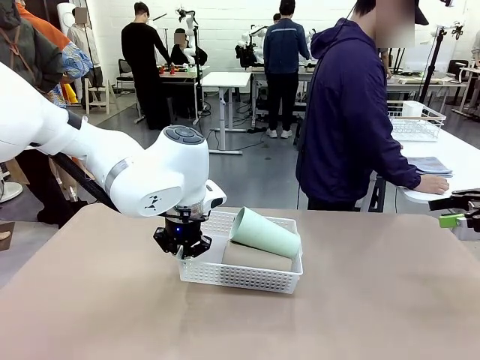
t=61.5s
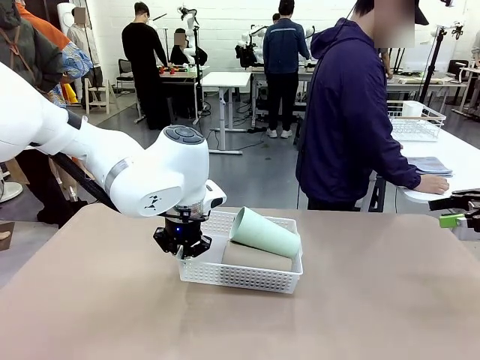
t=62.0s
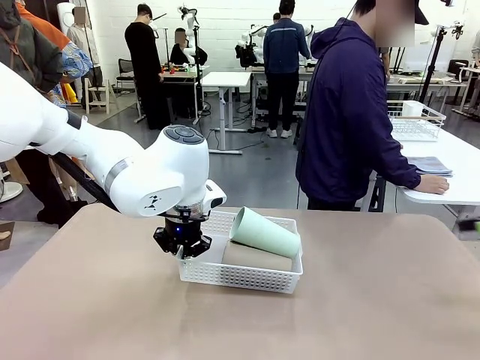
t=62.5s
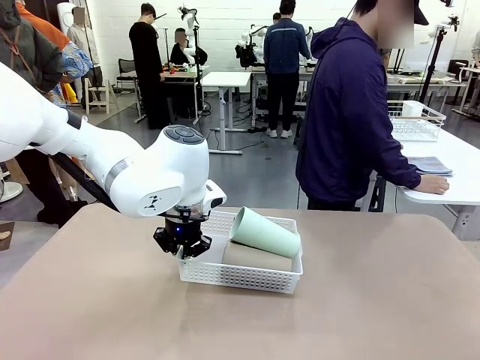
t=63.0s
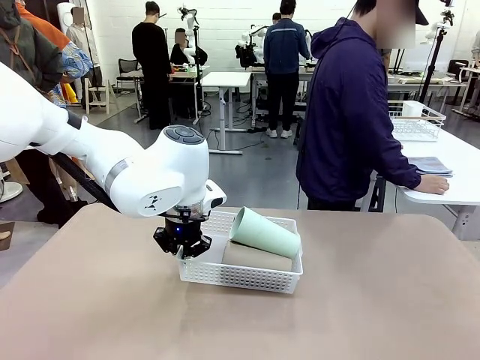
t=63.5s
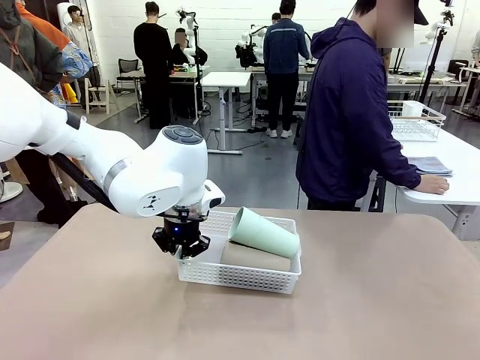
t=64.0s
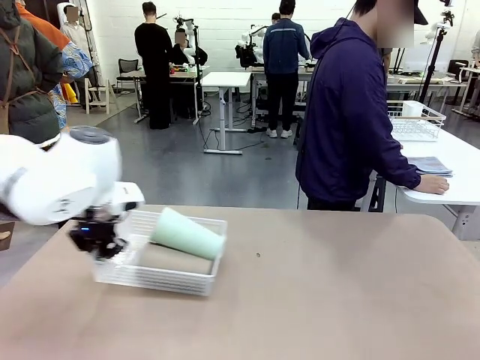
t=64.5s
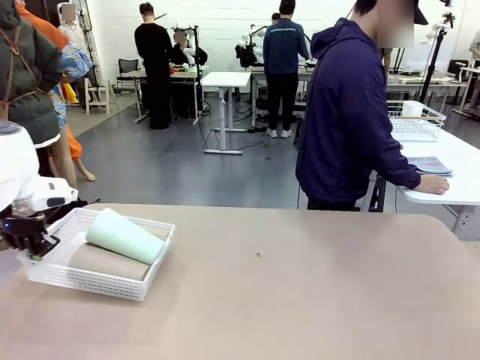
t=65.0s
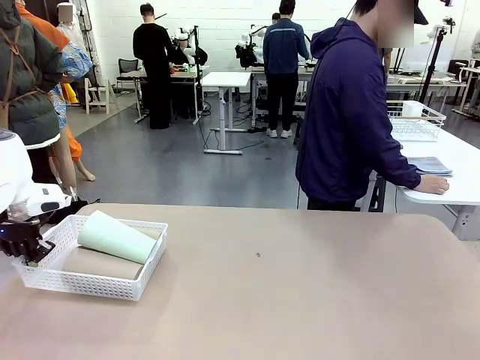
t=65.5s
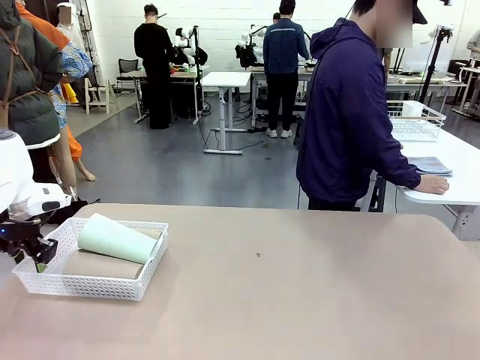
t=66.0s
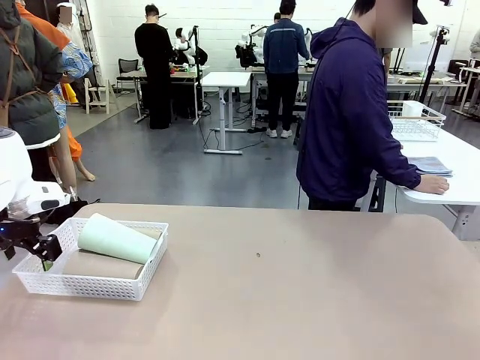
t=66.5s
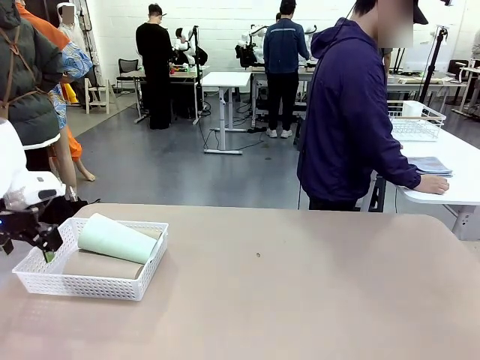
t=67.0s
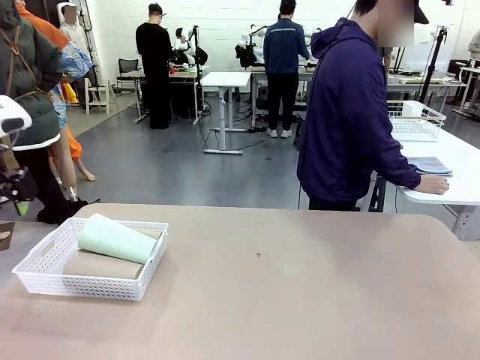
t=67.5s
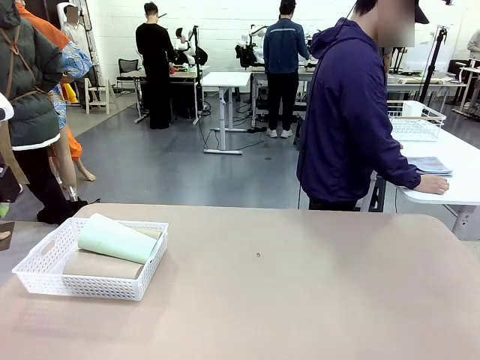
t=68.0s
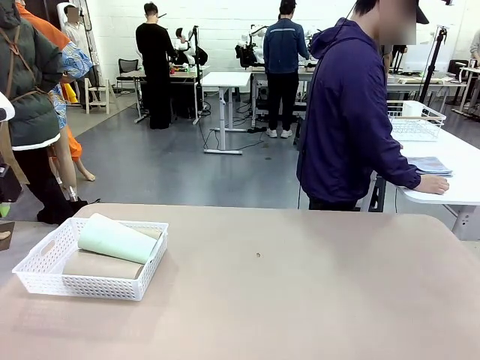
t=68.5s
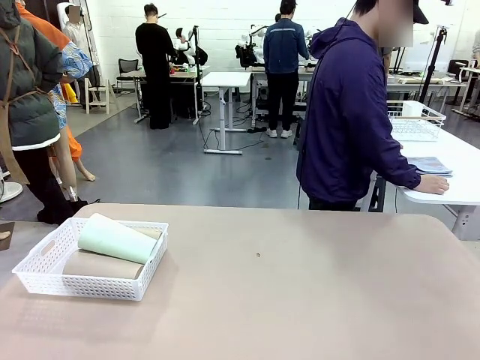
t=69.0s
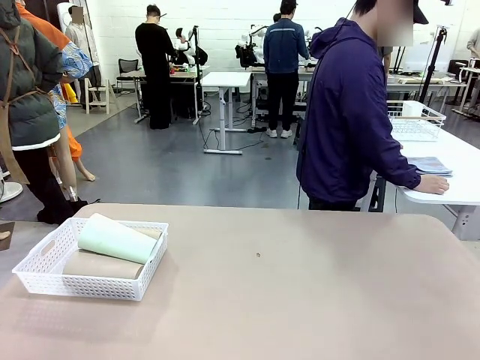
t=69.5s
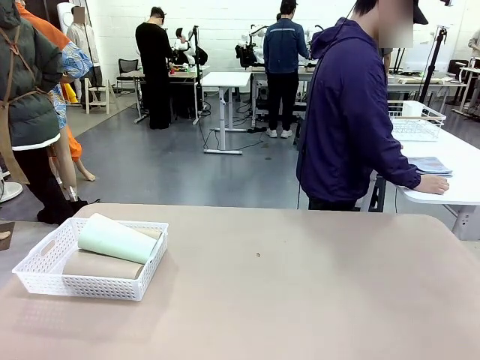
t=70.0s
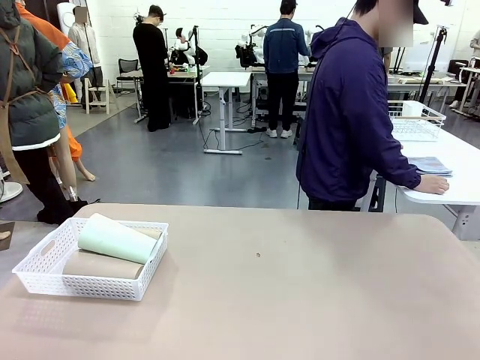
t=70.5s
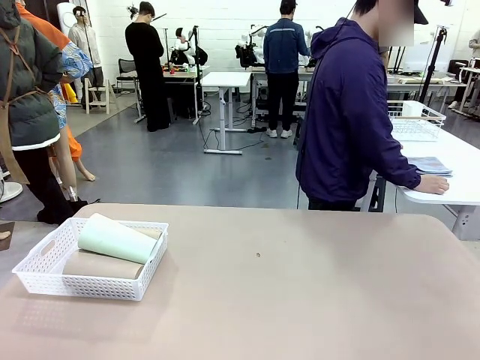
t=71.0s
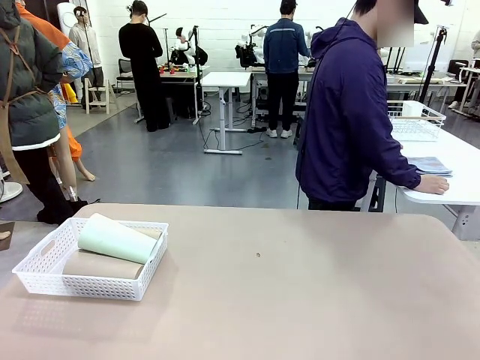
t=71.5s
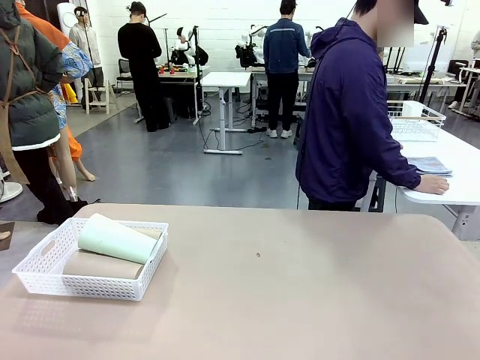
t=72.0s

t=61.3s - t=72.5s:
Task: Clean and organize the cups into the basket.
Robot: Move the Organizing basket back to the left side of the table.

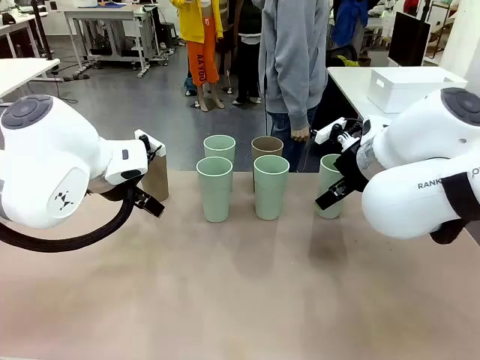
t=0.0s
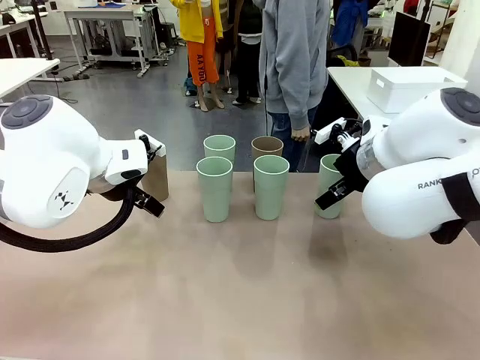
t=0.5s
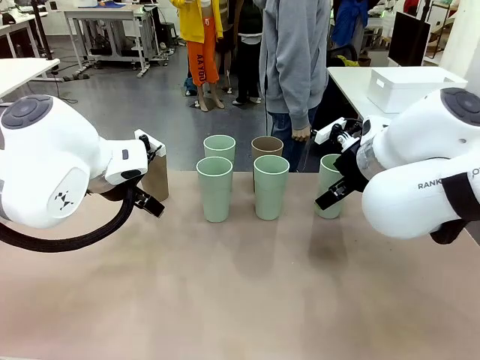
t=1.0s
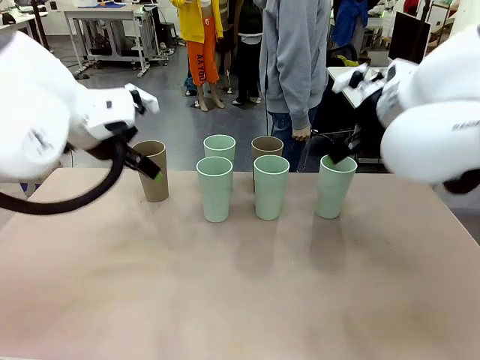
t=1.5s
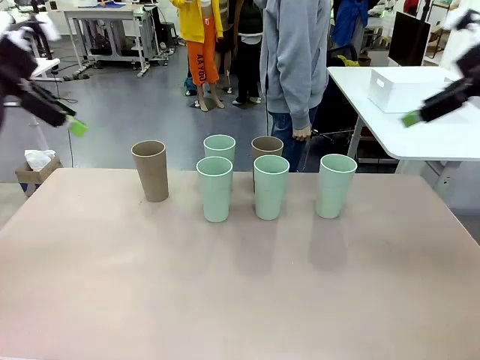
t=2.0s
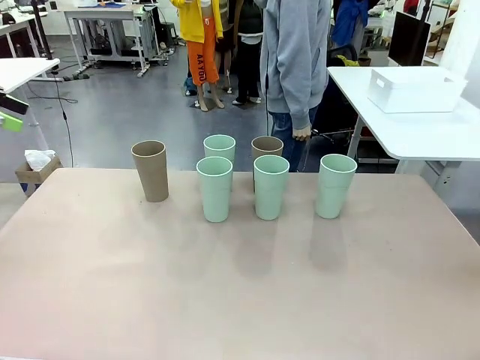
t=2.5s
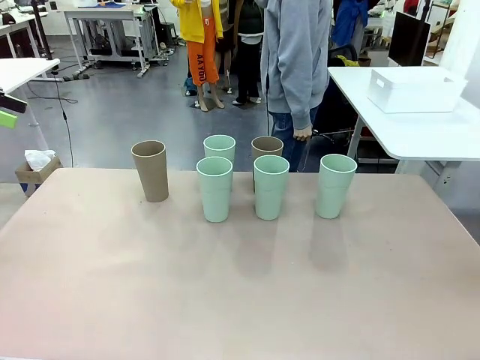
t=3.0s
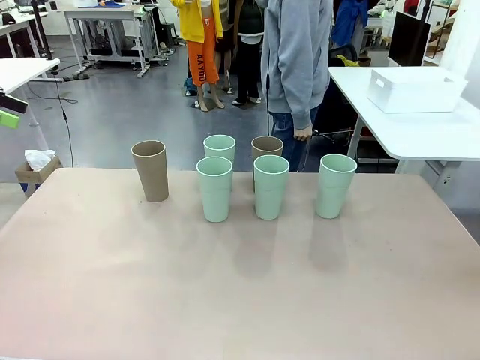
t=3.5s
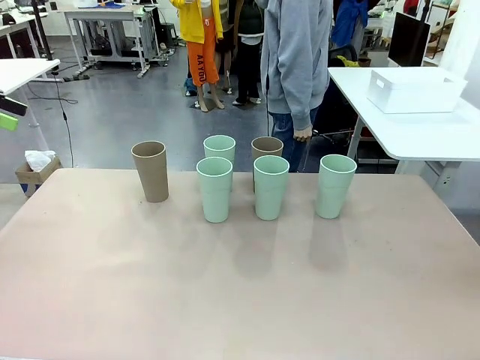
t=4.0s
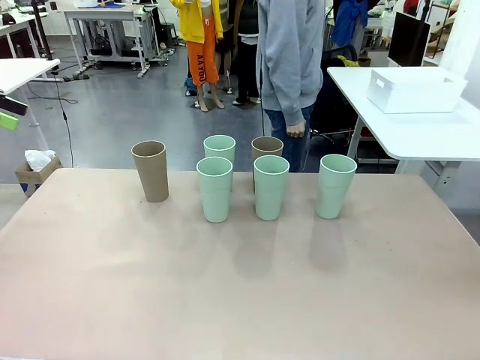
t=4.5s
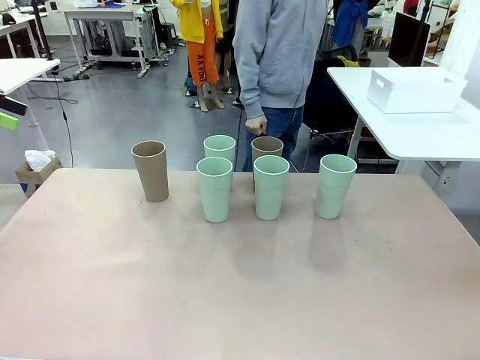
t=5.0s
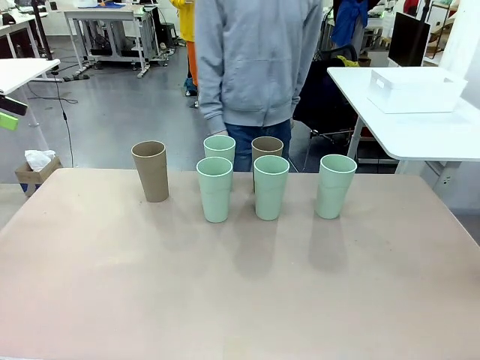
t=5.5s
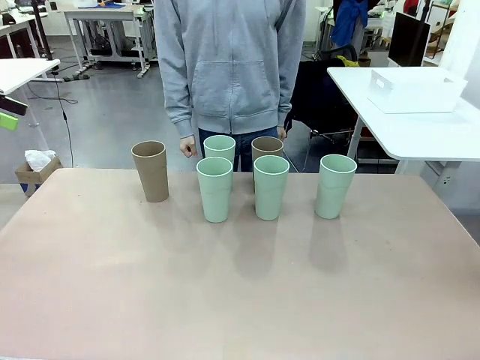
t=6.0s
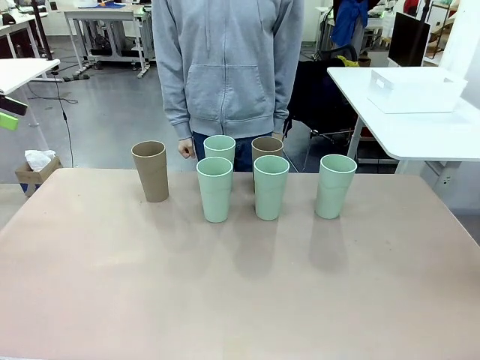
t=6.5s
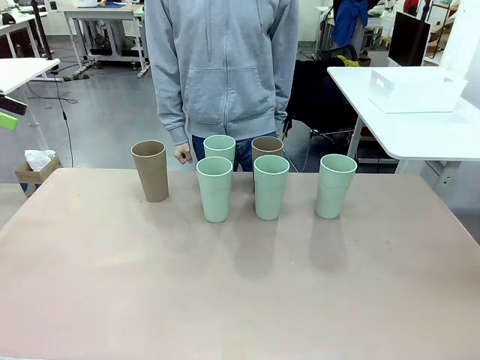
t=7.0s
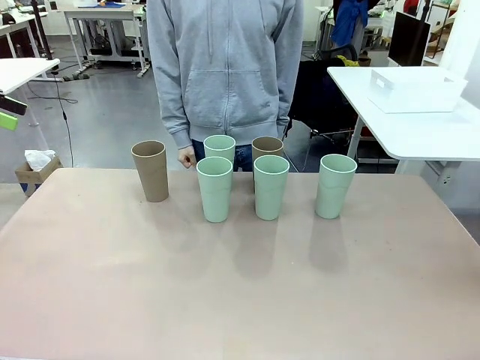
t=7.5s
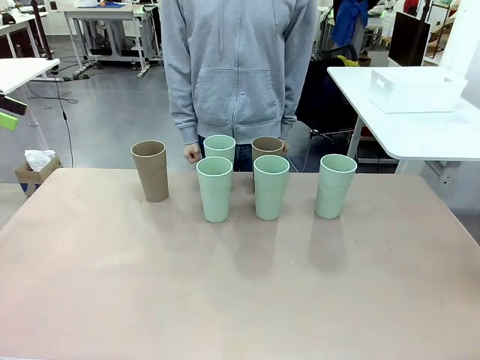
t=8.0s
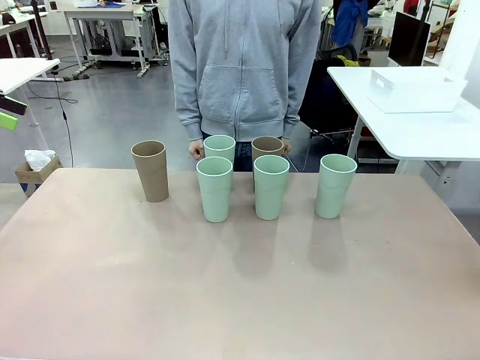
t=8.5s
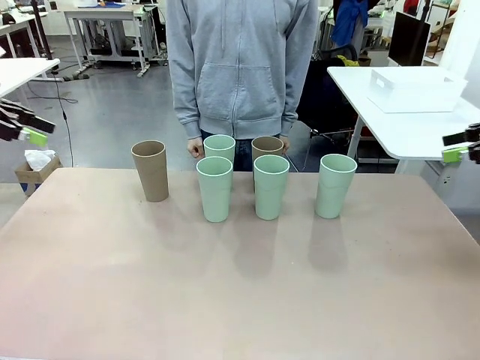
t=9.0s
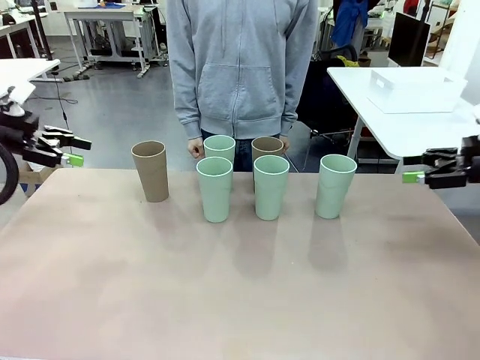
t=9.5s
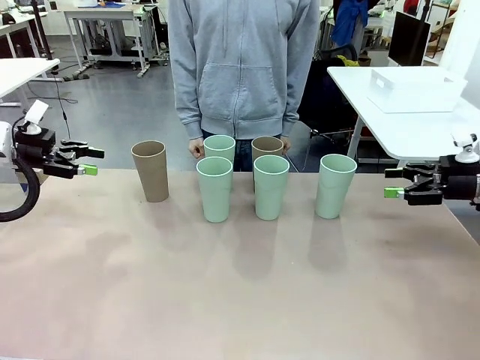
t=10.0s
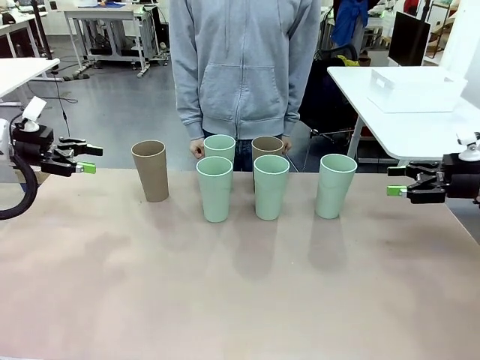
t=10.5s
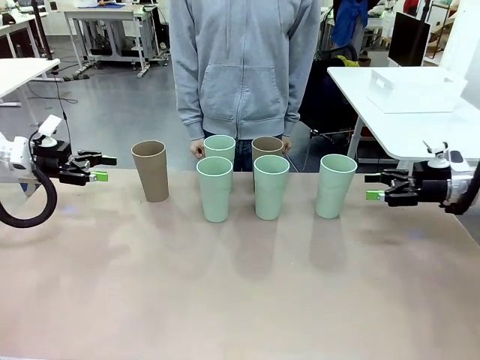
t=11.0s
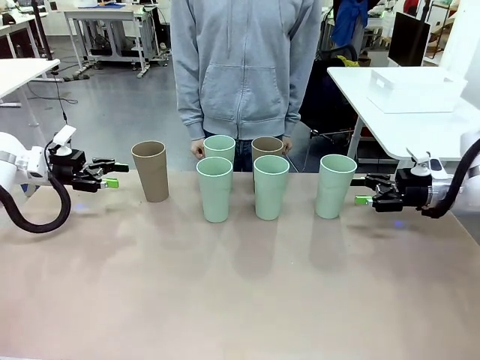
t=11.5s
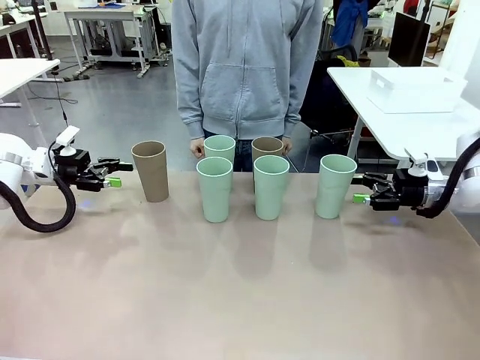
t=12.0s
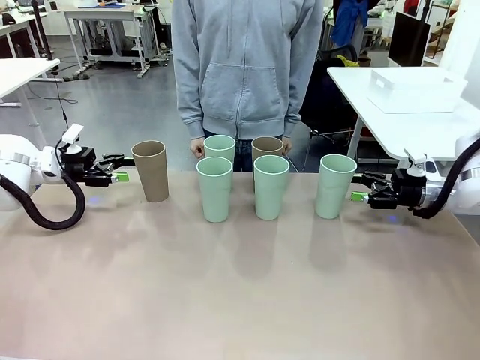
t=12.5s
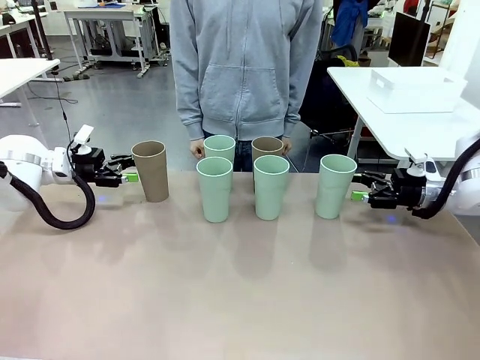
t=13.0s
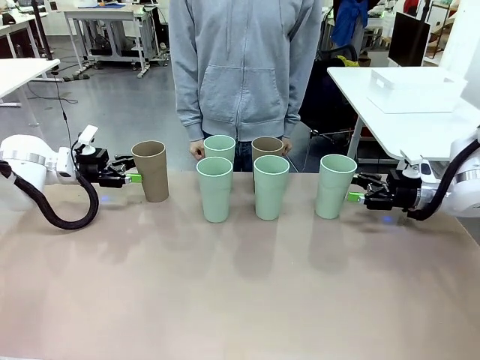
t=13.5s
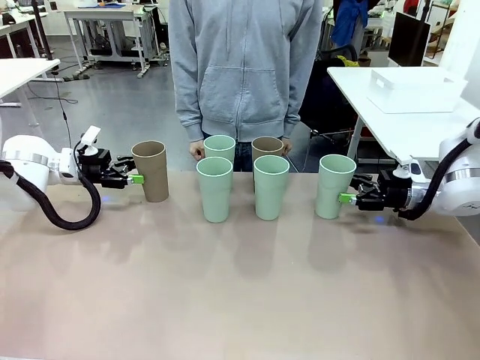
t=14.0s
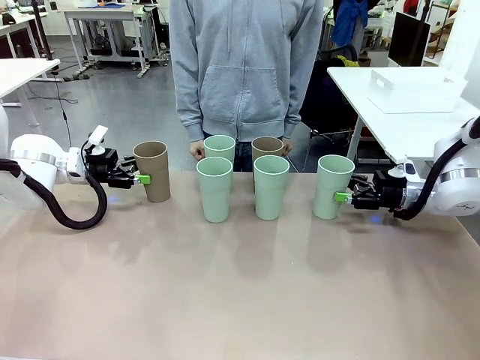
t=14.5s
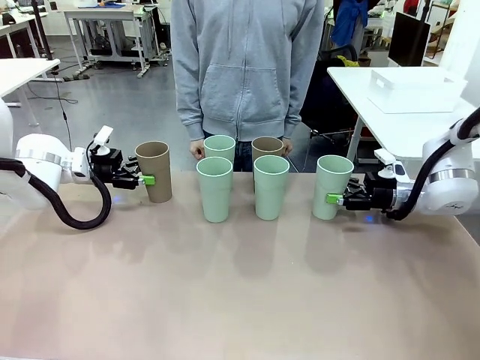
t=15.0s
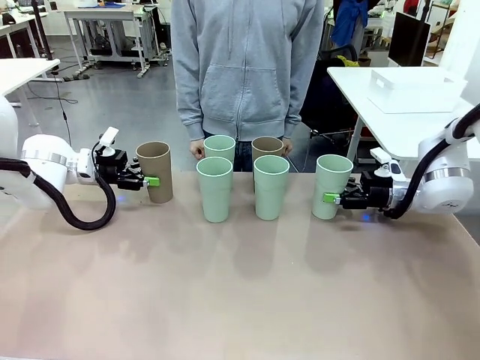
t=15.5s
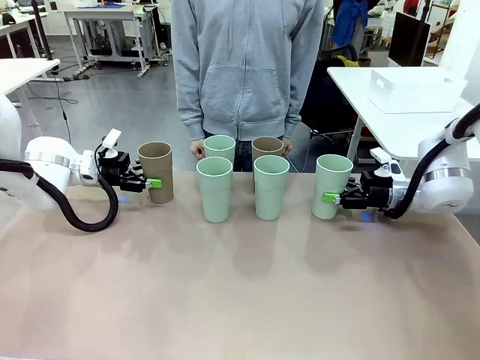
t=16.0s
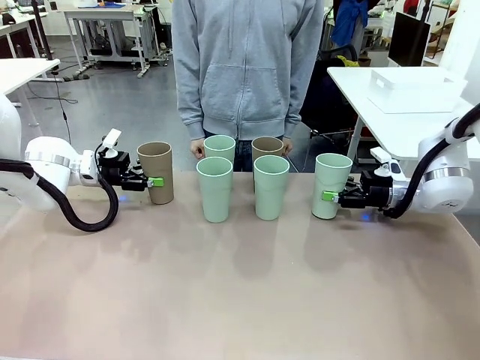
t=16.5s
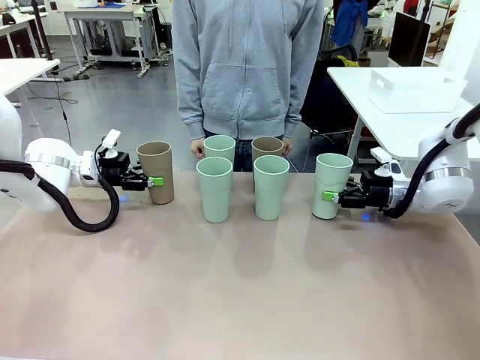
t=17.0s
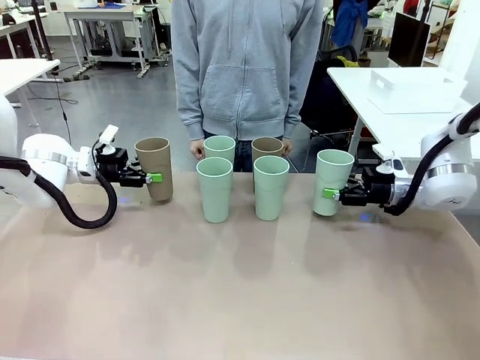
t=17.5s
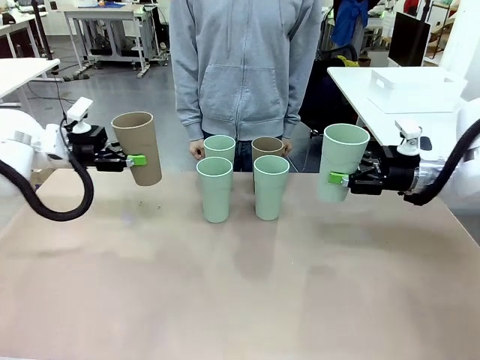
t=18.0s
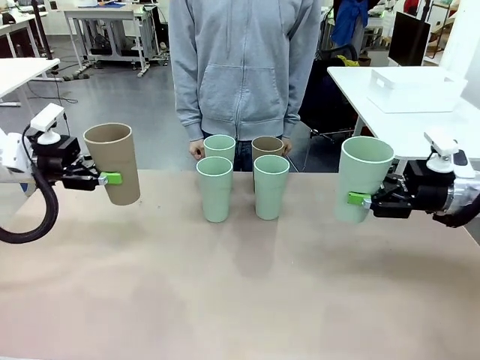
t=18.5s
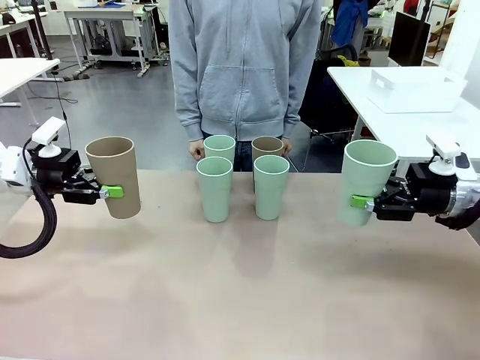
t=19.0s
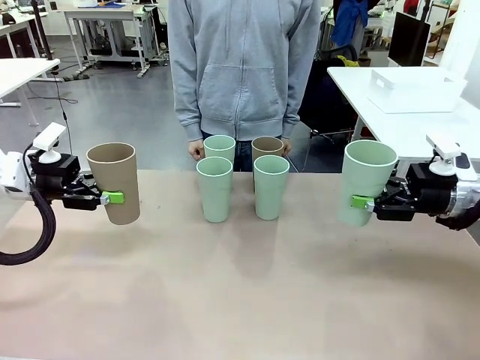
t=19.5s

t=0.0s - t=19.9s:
Task: Stack the cups and store them in the basket.
Robot: Pick up two Reusable plastic cups , one in each hand.
Person: Move from the Human Table to the front of the Robot Table. Stack two of the remaining cups on top of each cup held by the robot.
